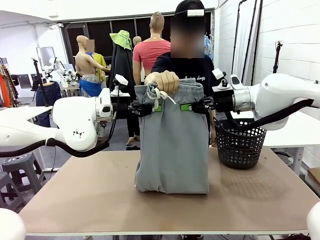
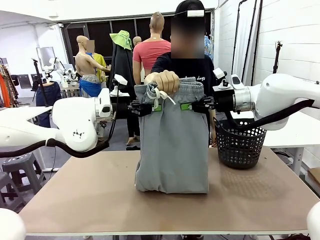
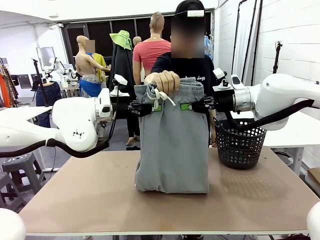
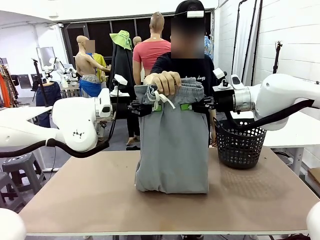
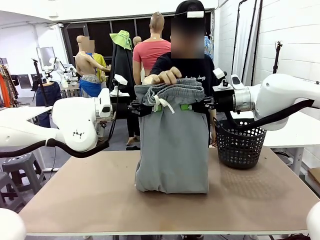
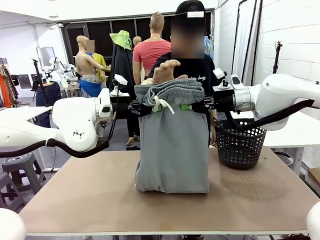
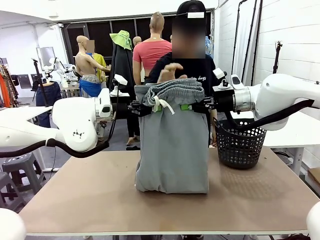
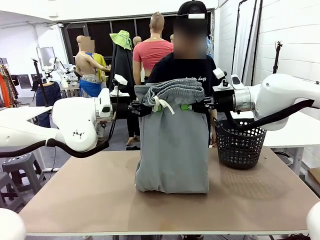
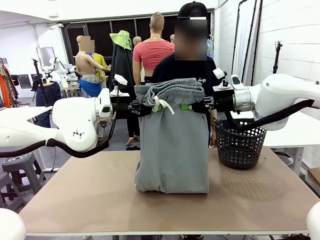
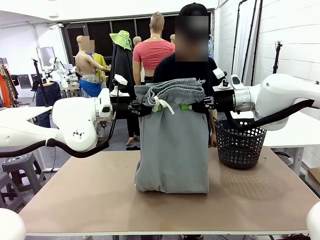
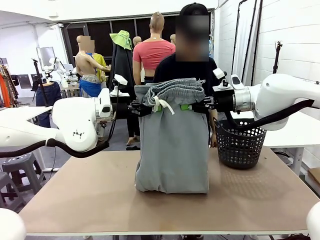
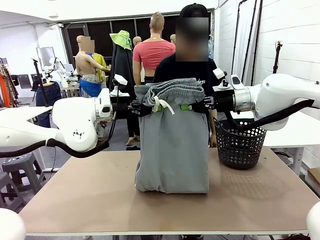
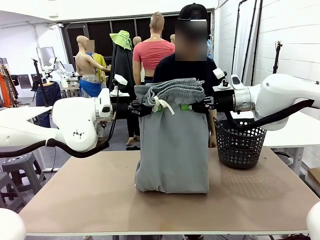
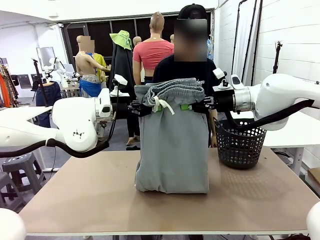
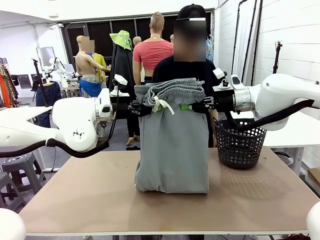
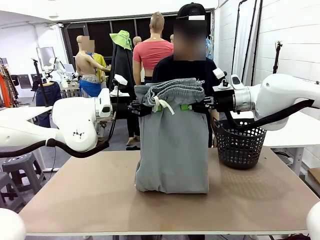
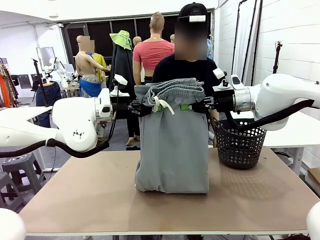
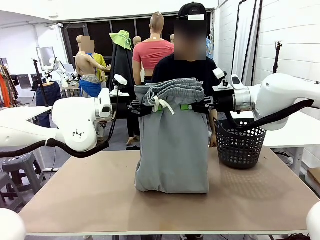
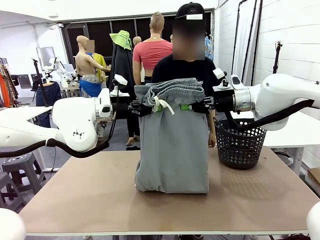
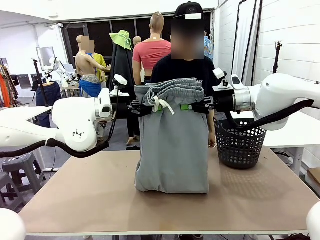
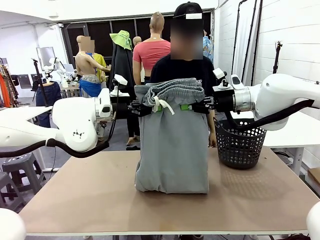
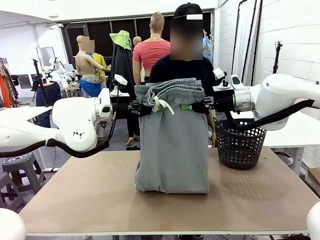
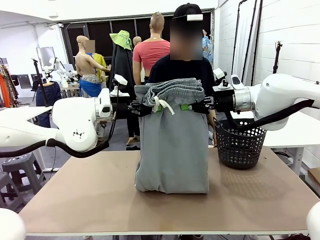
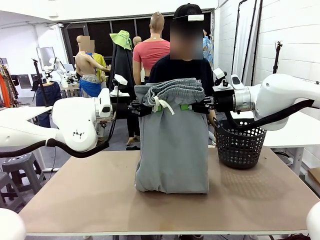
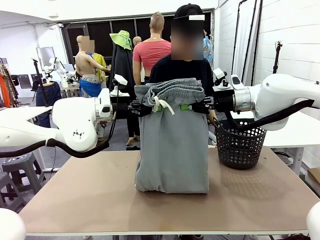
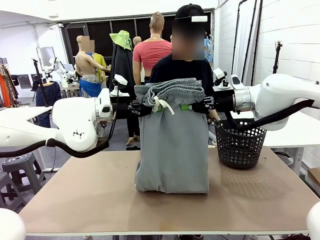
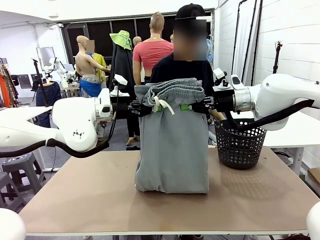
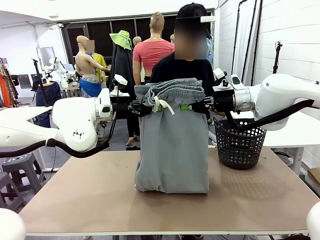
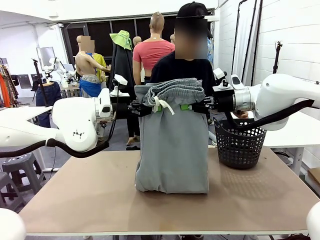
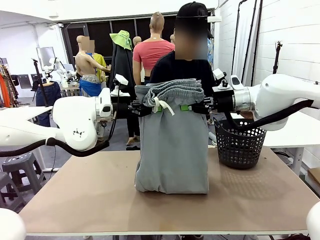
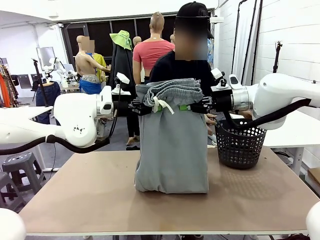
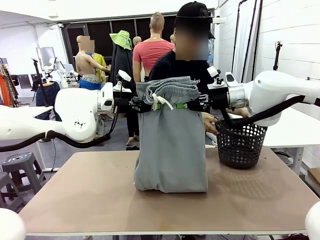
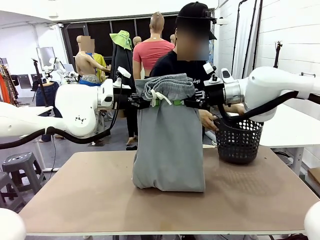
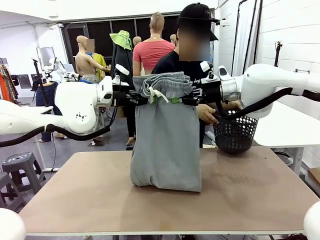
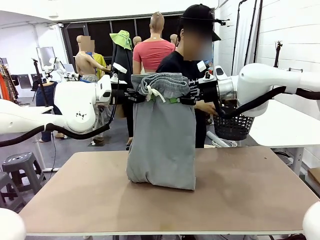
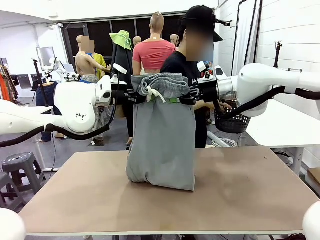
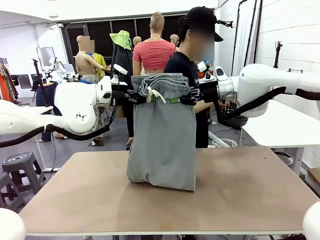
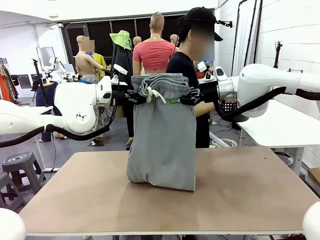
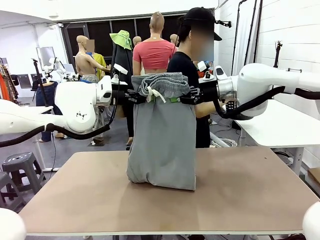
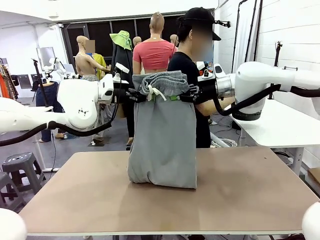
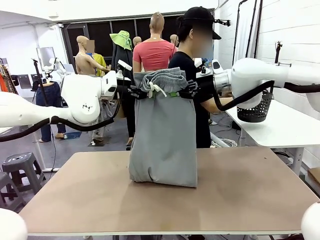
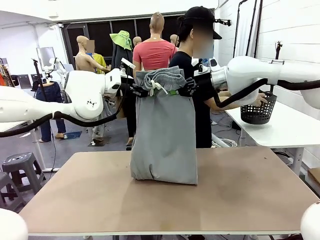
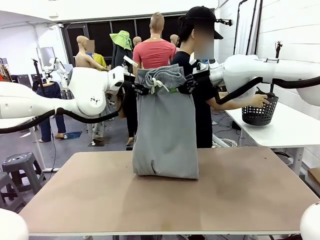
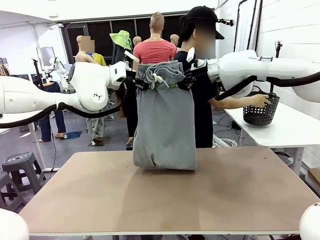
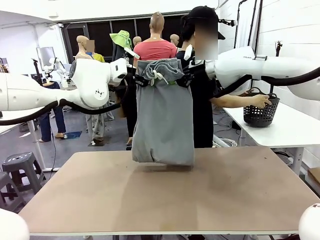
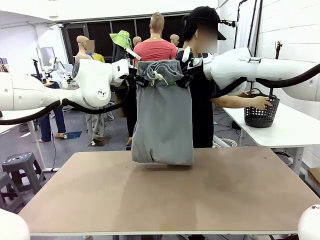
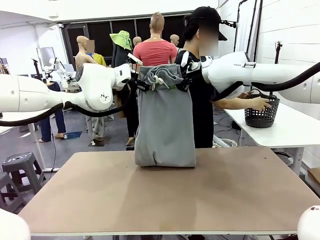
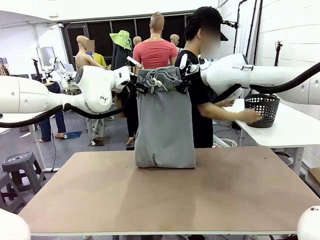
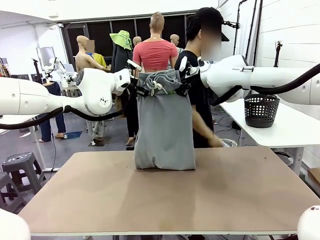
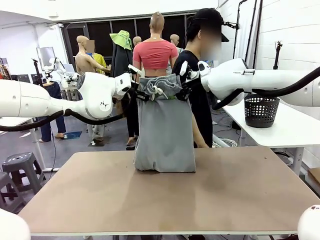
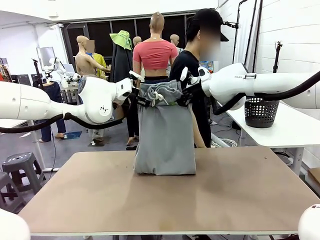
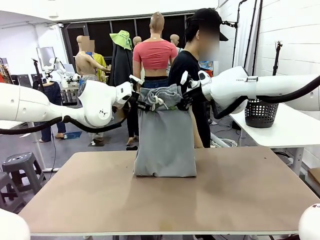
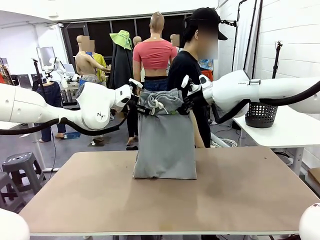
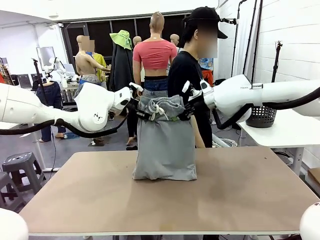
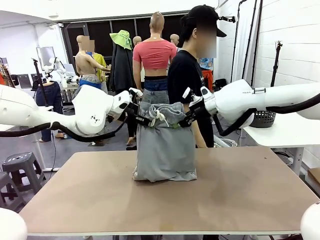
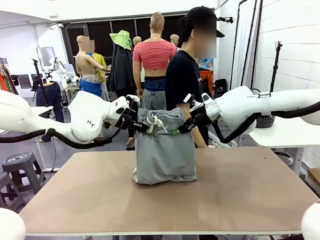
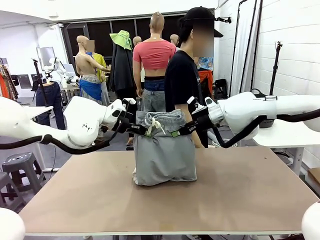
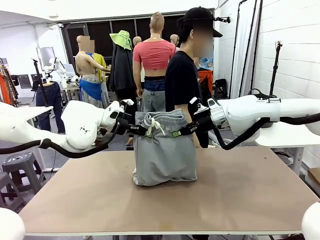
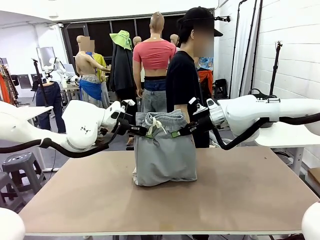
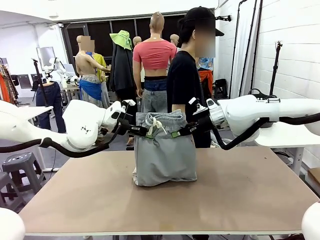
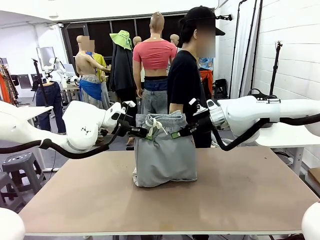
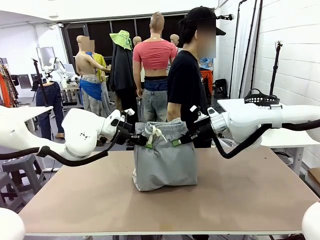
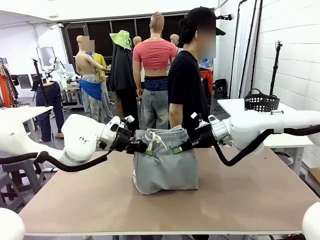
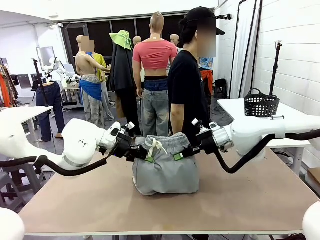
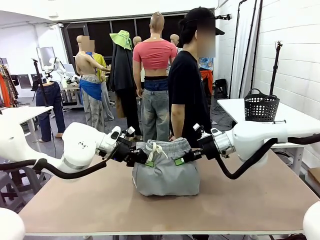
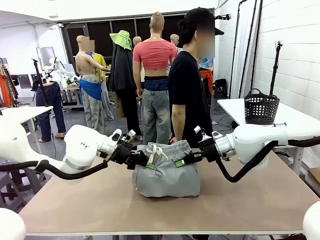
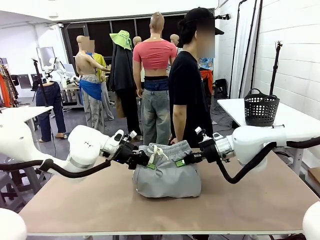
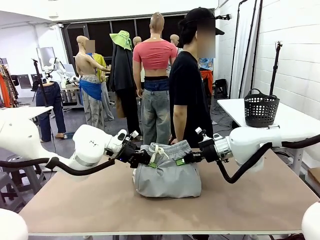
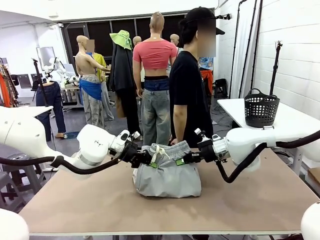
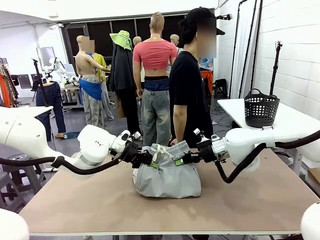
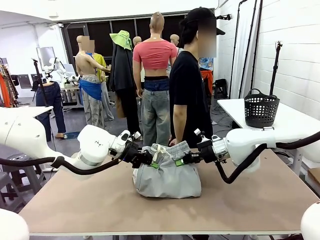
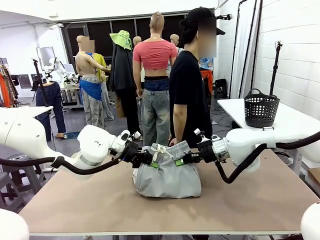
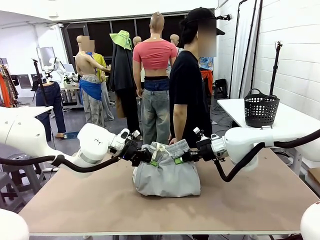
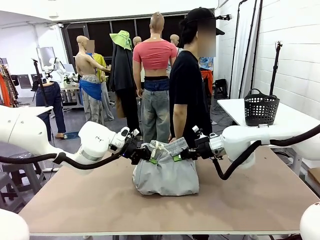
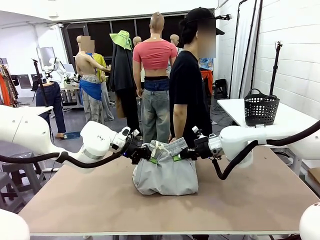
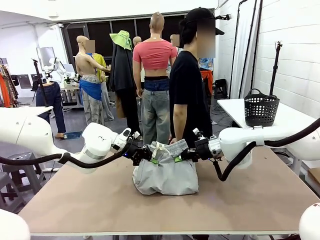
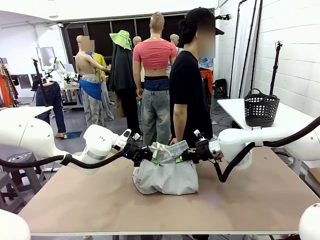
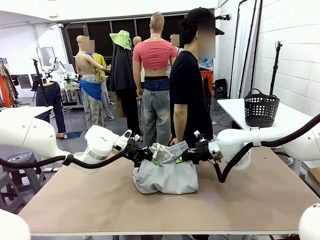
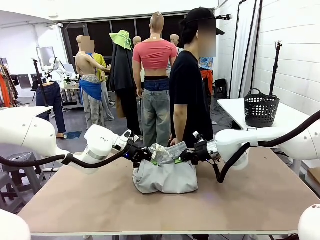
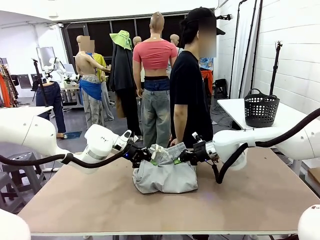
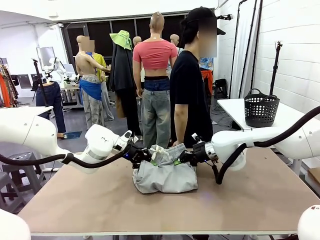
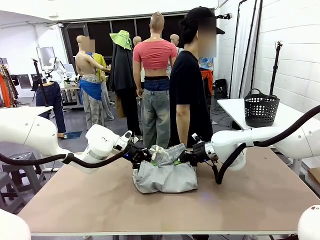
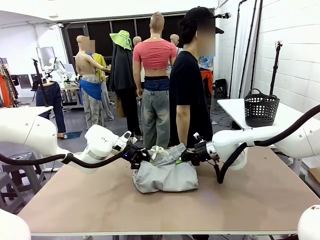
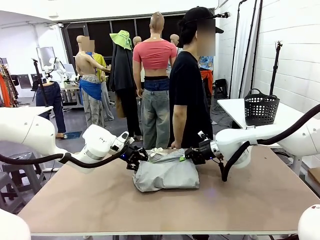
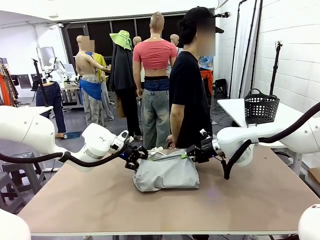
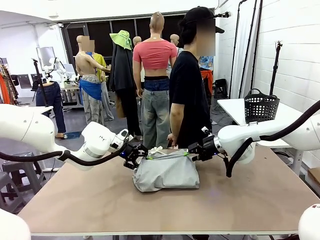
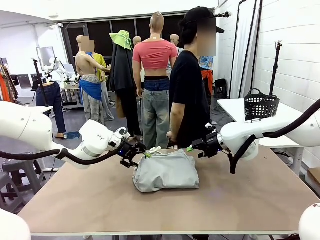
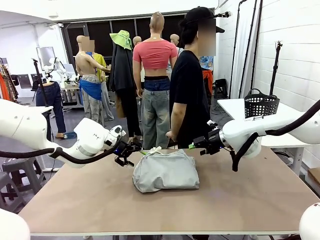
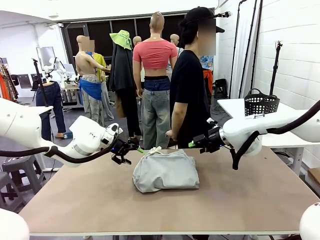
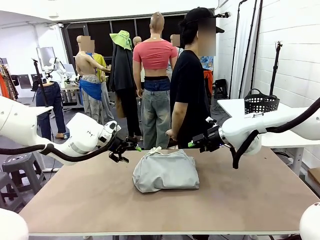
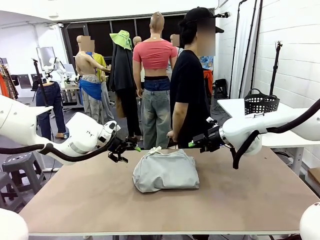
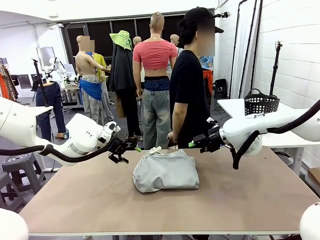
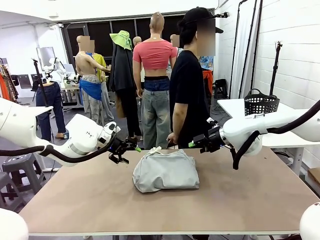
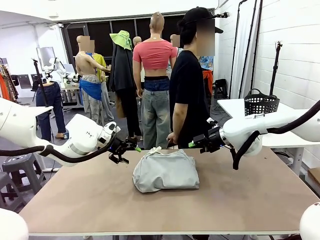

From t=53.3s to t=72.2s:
Task: Fold the training pants.
Robot: Fold the Training pants in half.
Person: Move the laundry basket to the right of the human table.

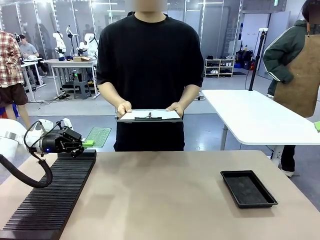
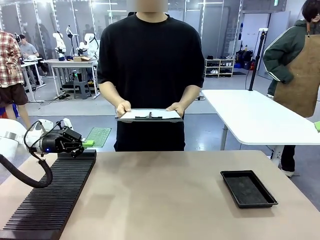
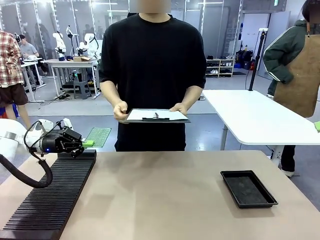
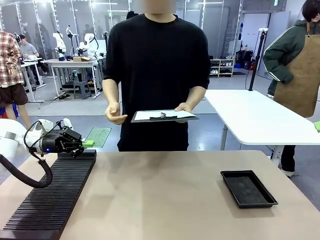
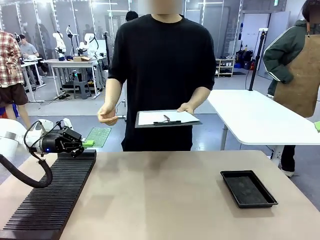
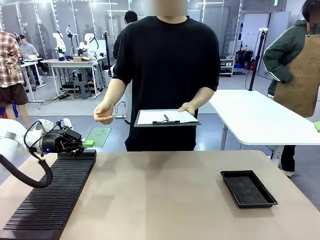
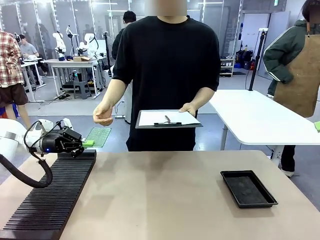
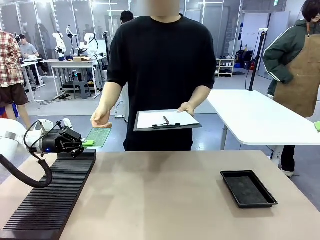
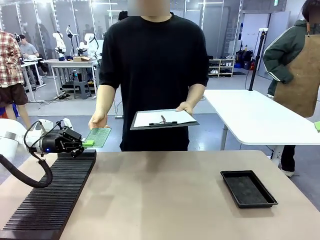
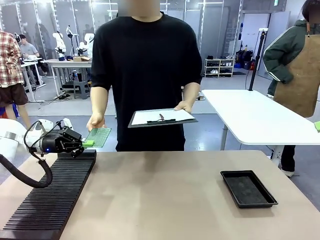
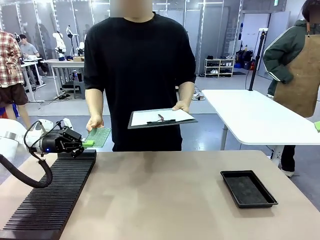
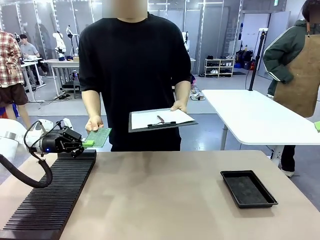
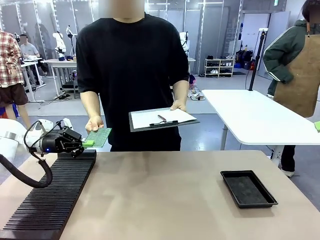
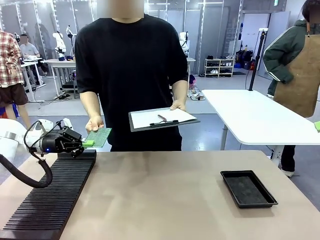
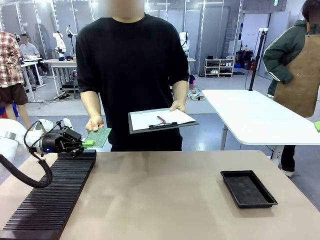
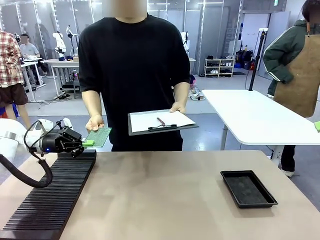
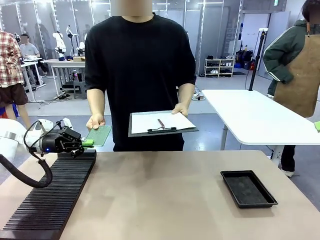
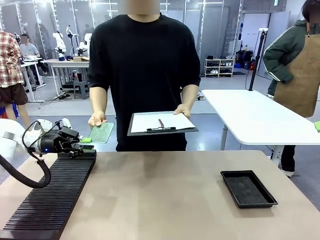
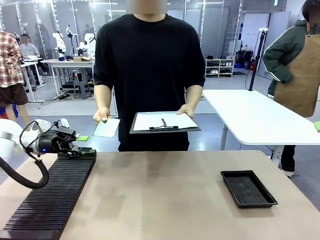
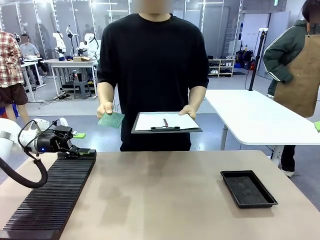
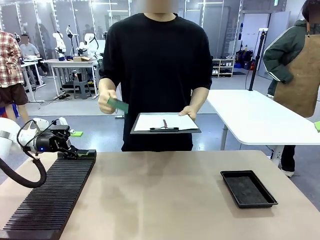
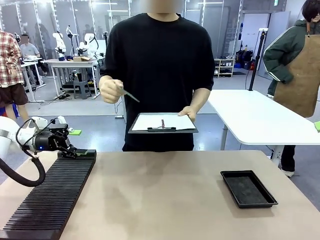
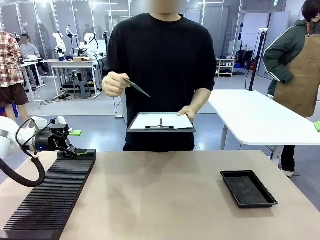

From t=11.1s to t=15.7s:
Task: Inspect the PCB.
Robot: Release the Blank PCB you were holding.
